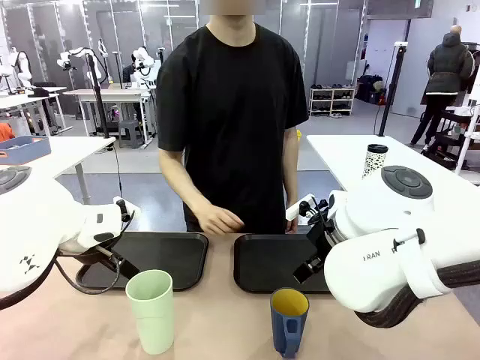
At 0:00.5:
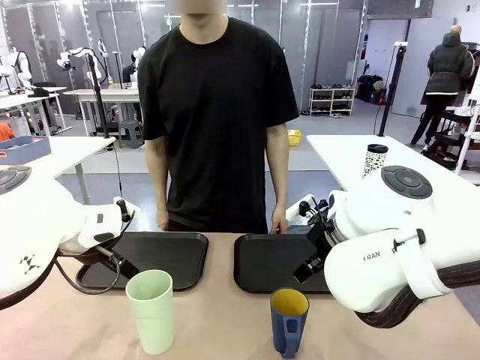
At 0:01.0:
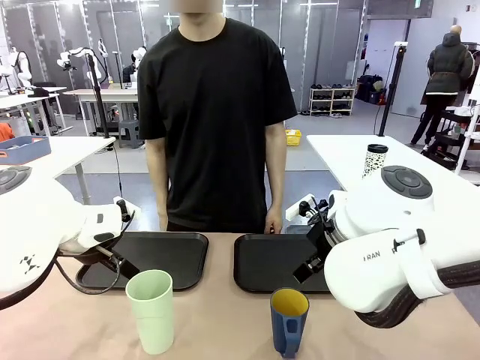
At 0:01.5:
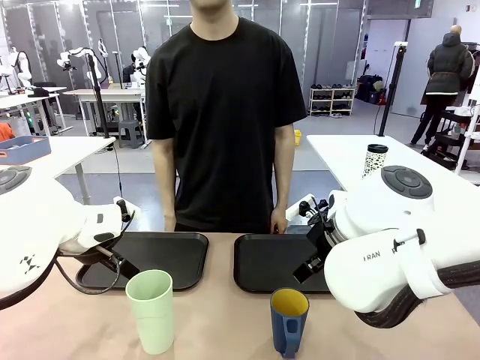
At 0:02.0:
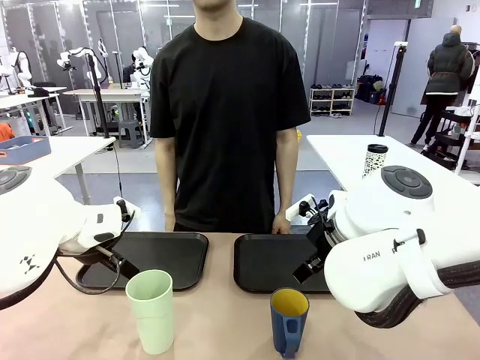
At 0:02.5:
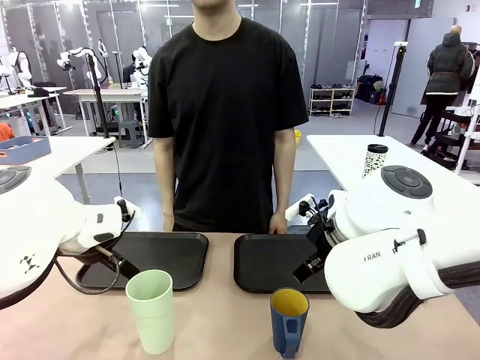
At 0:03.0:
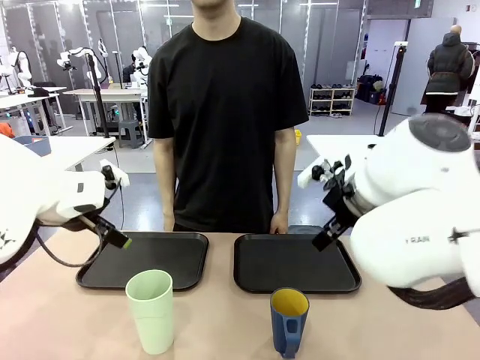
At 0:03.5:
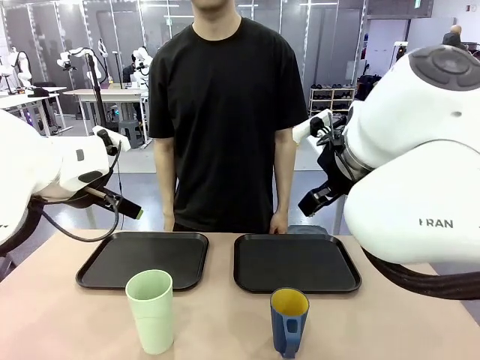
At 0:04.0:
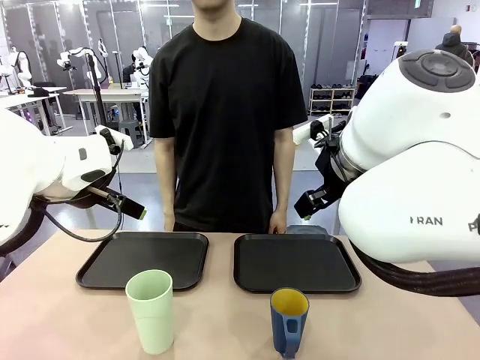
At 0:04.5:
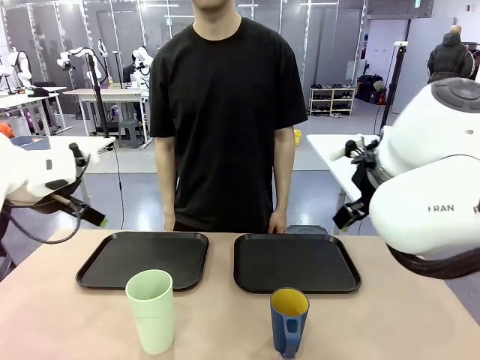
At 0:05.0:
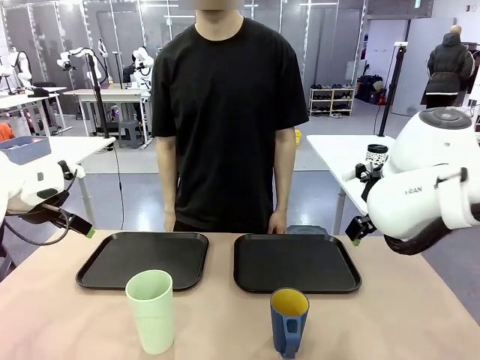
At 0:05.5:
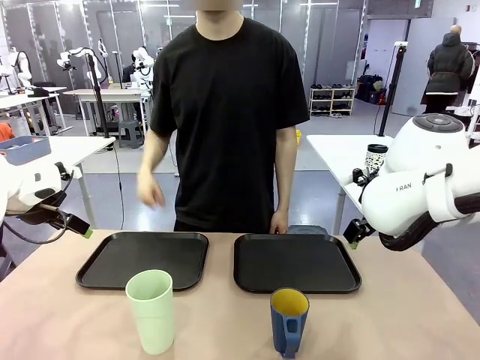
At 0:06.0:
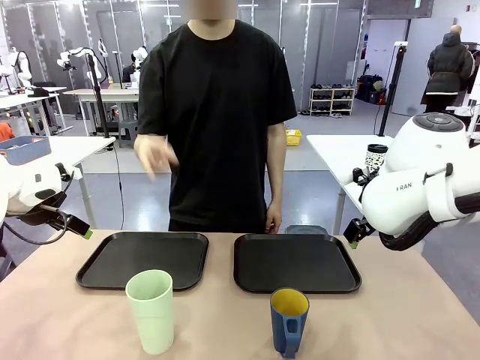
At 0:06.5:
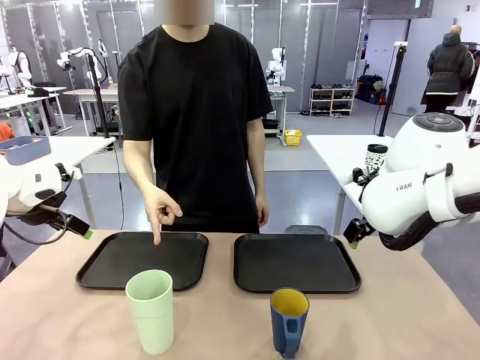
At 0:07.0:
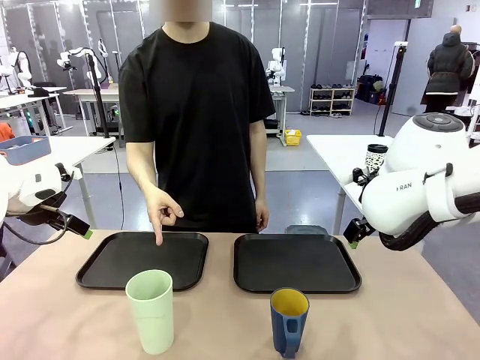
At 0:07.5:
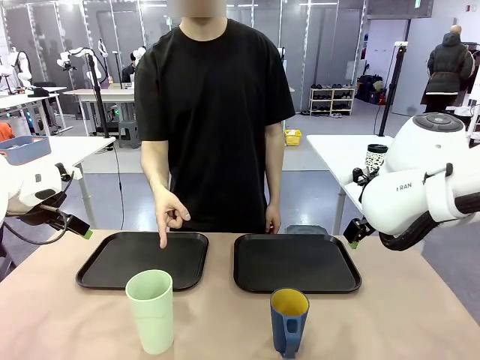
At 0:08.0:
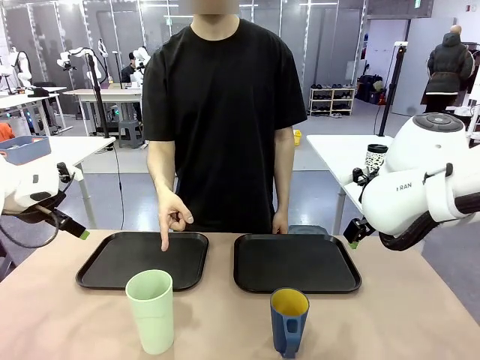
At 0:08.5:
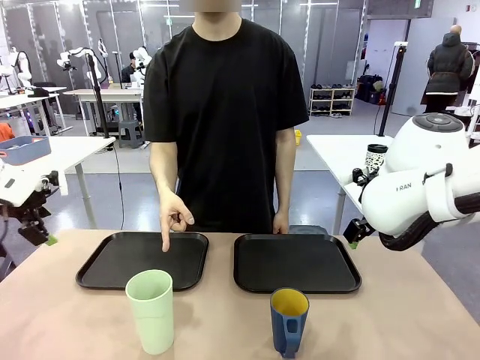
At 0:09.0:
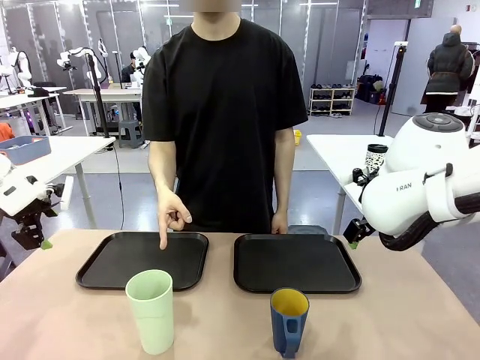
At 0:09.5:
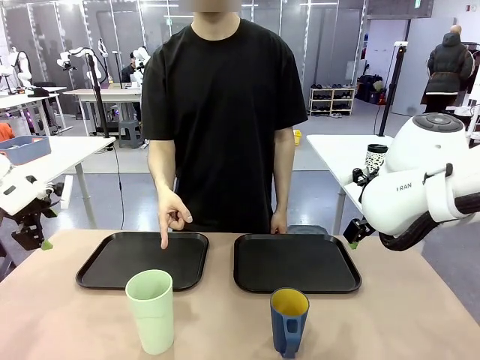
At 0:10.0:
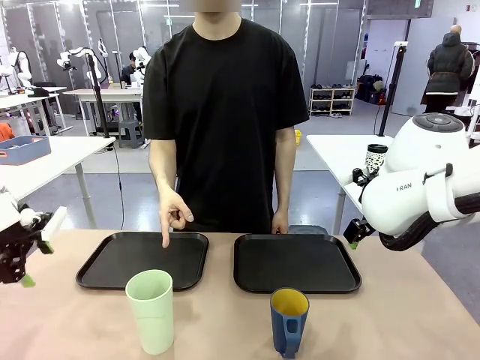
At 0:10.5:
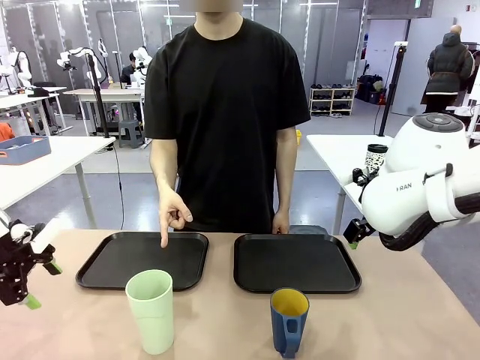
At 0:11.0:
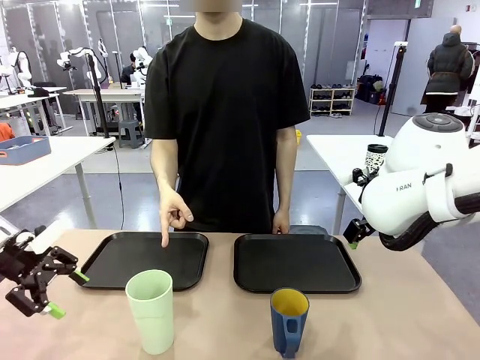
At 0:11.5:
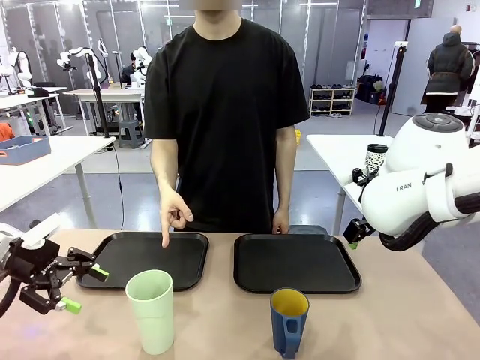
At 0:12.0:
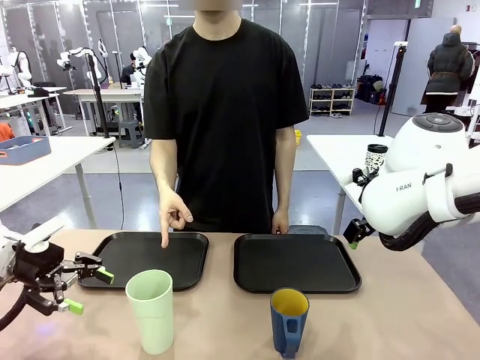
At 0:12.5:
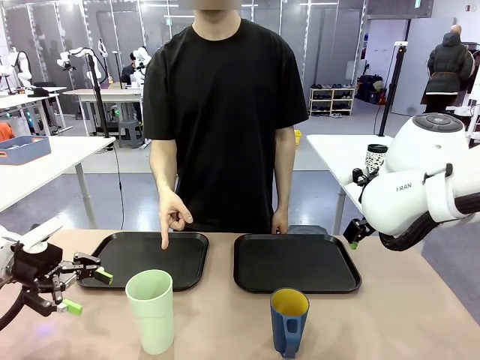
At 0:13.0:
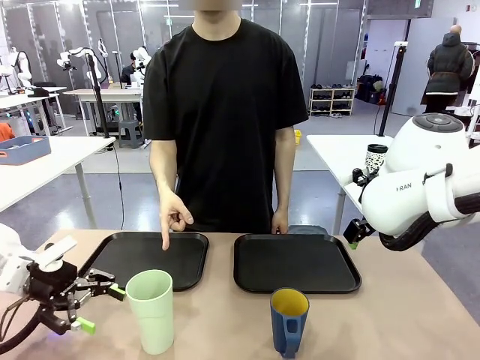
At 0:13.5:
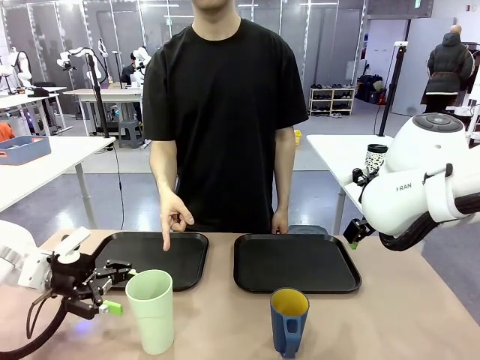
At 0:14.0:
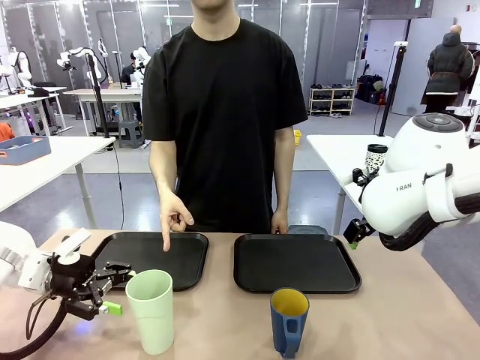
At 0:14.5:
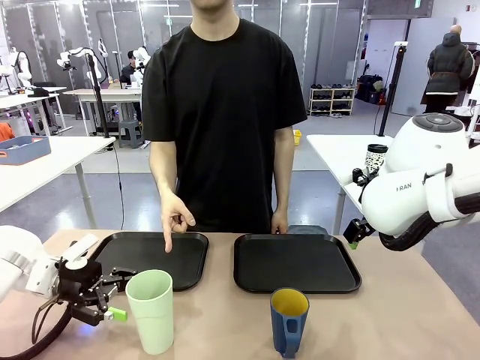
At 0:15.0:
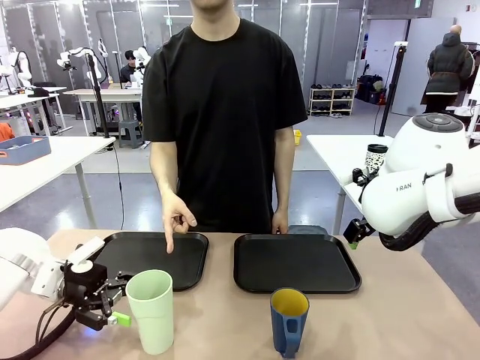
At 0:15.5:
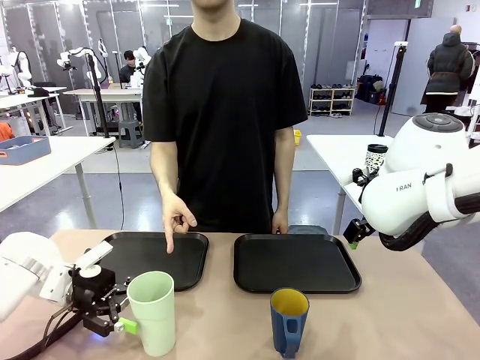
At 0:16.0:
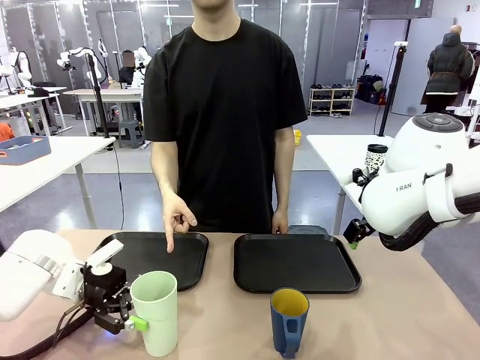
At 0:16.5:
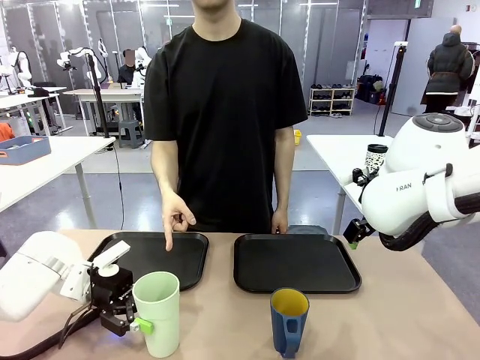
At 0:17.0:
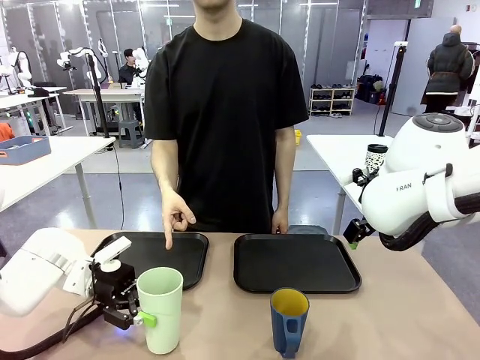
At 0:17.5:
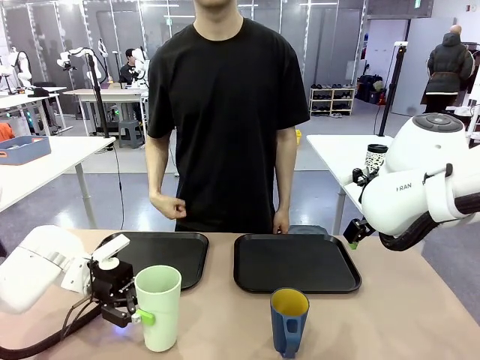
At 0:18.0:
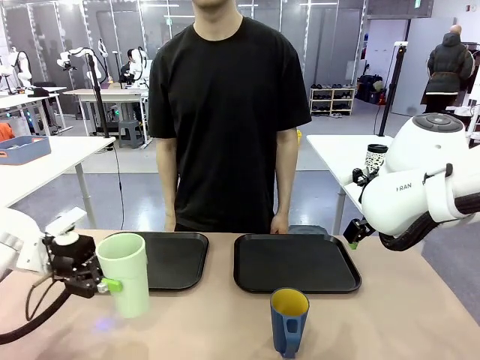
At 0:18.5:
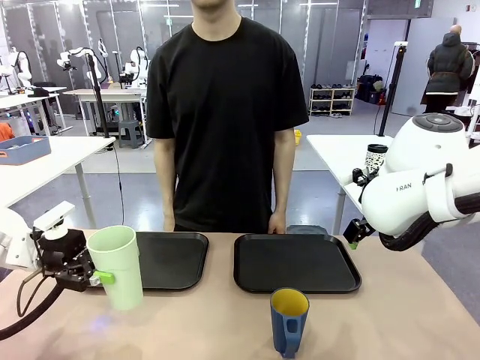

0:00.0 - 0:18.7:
Task: Sort and store the cups by type.
Robot: Pick up the Reusable plastic cup.
Person: Points to the reusable cup. Point to one of the two trays.

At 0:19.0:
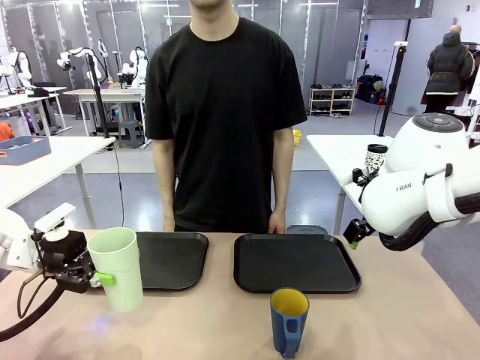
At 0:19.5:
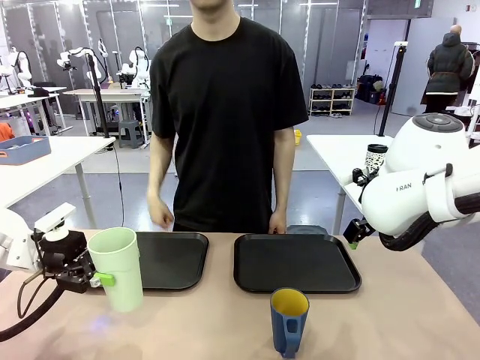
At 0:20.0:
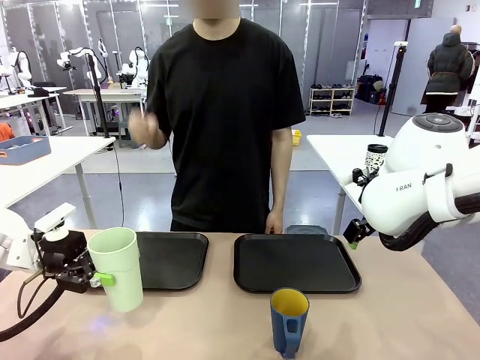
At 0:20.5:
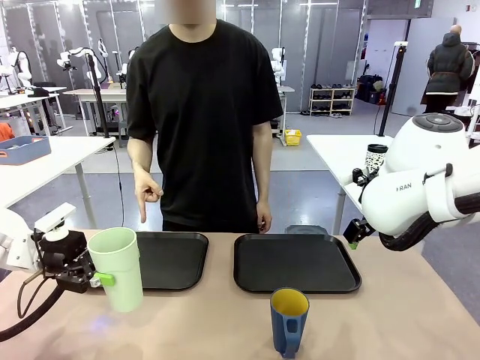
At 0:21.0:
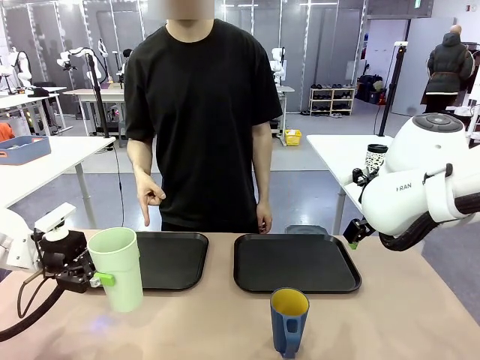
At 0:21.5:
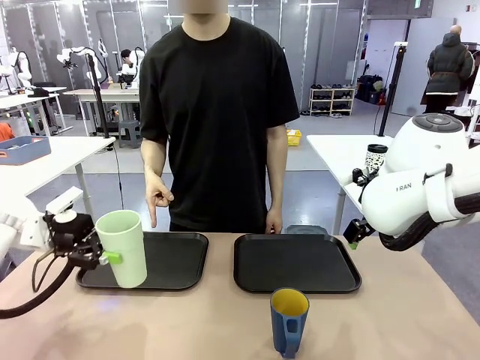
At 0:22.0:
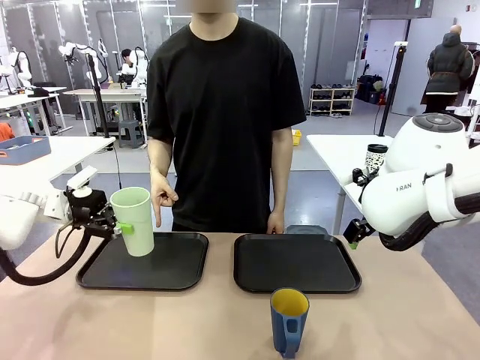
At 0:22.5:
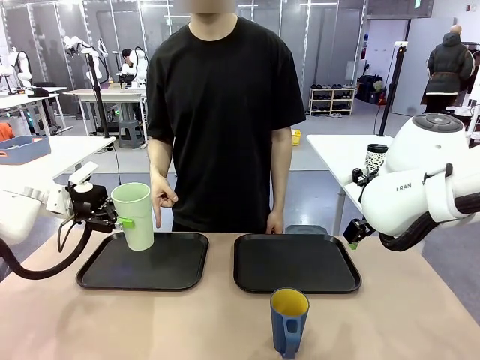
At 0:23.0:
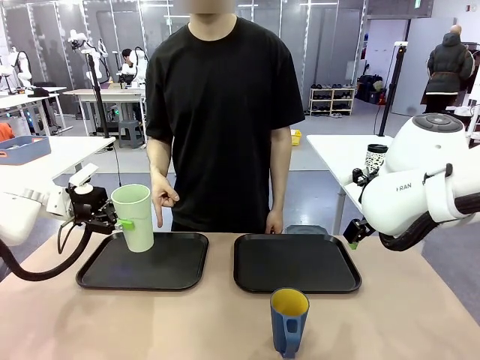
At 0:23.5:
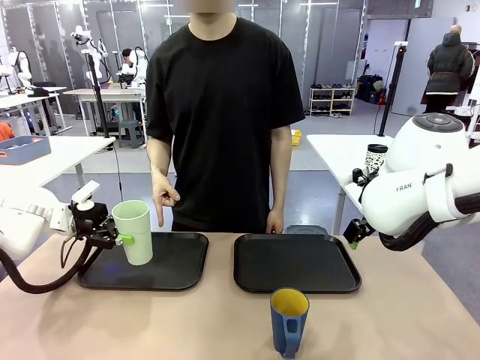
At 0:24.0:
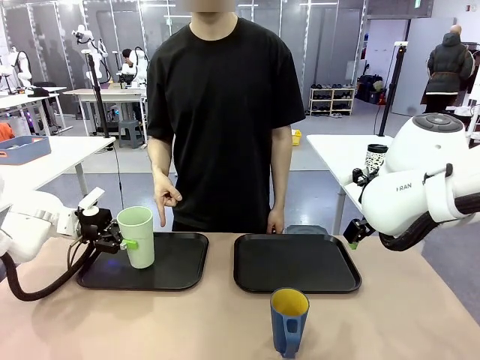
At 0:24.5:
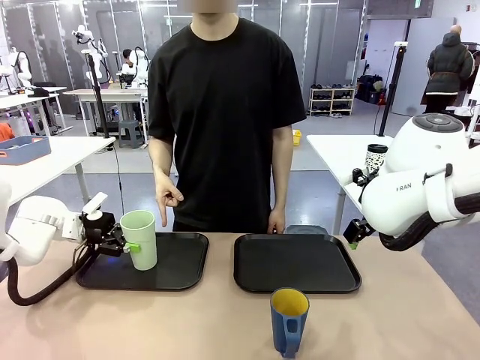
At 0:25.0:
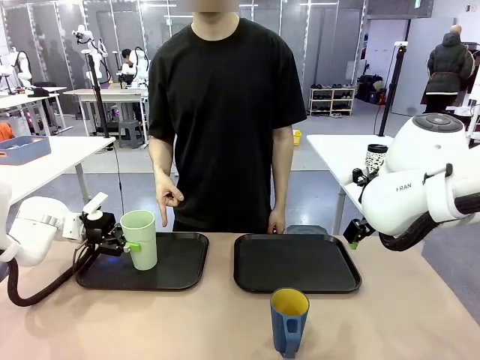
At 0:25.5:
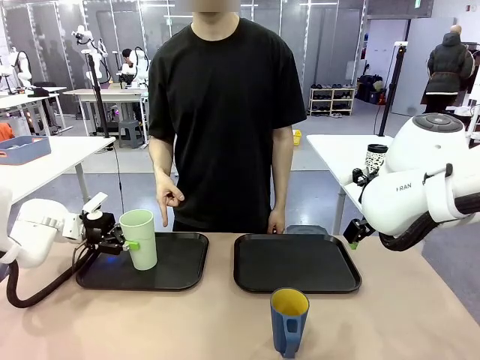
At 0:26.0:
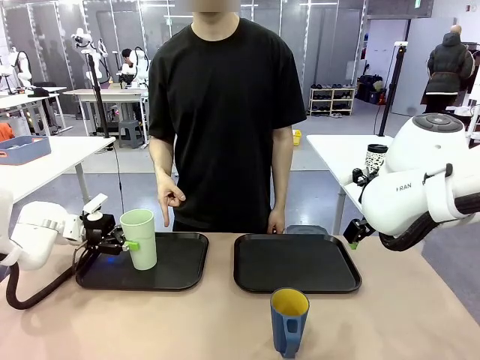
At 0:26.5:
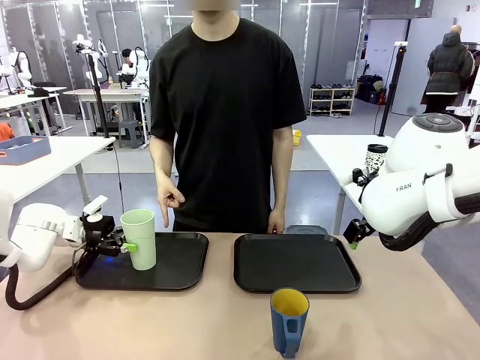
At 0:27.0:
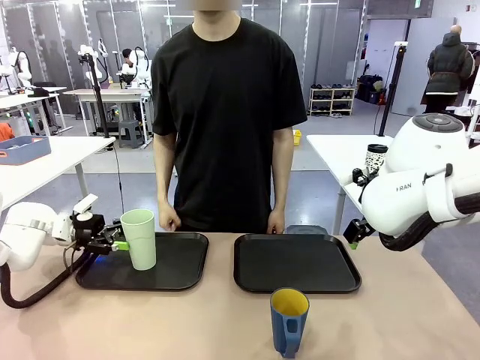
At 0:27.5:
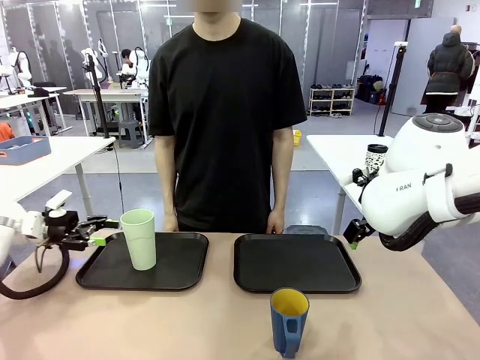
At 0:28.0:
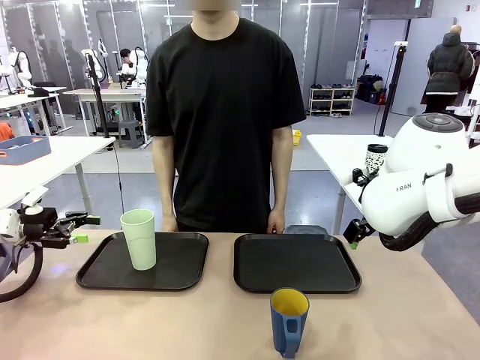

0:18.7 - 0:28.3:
Robot: Place the picked Reusable plastic cup into the Flat Tray indicated by the person.
